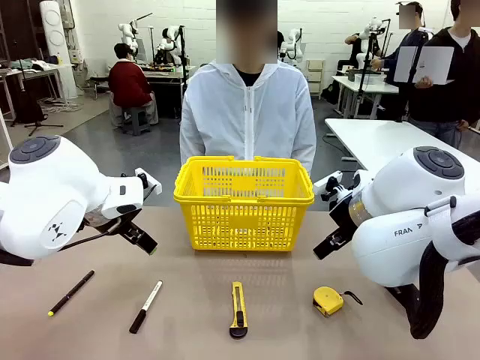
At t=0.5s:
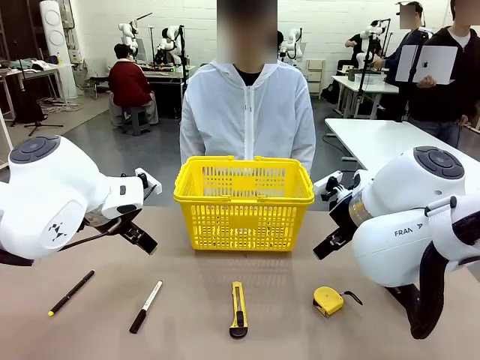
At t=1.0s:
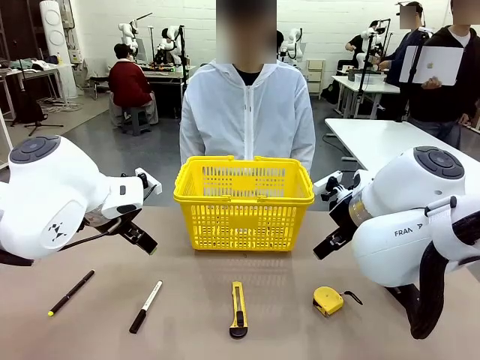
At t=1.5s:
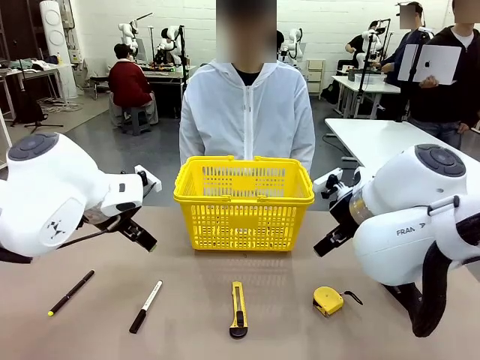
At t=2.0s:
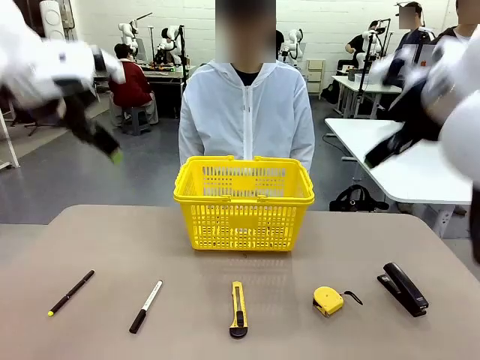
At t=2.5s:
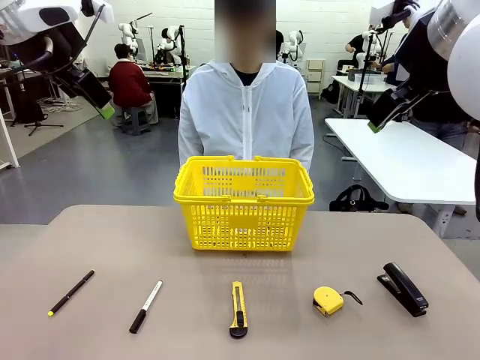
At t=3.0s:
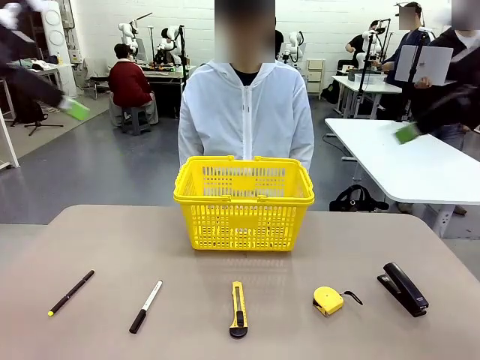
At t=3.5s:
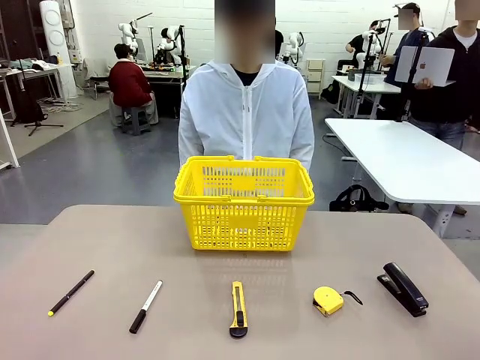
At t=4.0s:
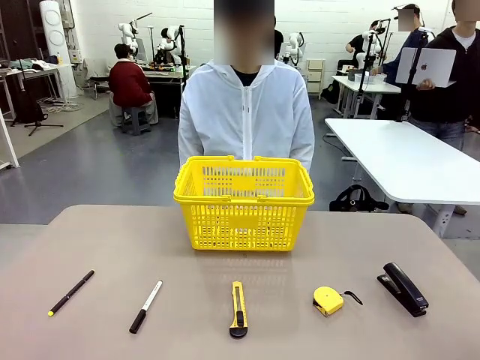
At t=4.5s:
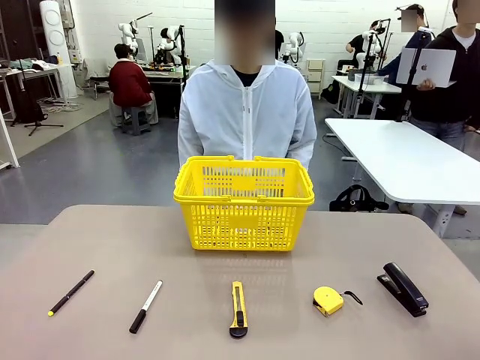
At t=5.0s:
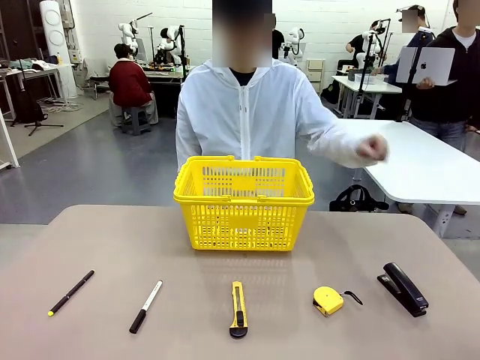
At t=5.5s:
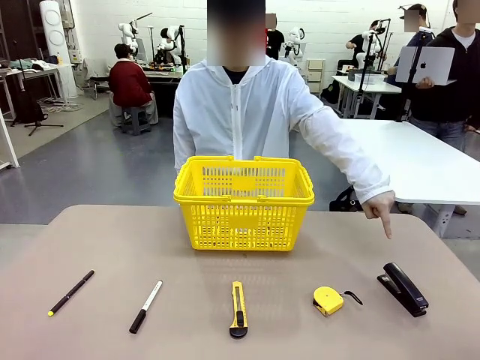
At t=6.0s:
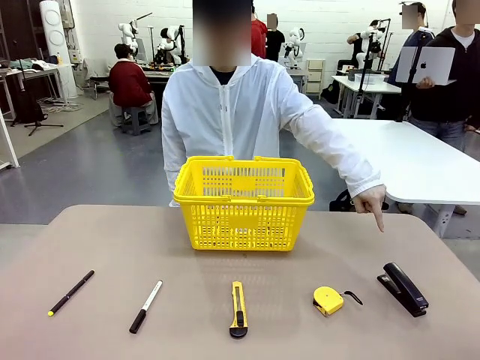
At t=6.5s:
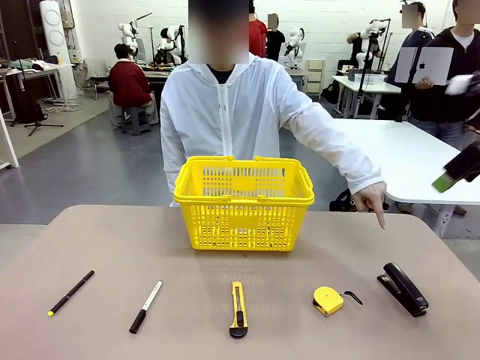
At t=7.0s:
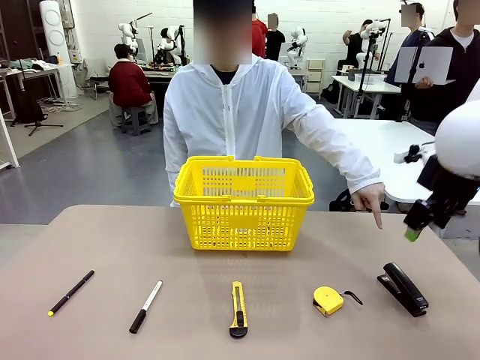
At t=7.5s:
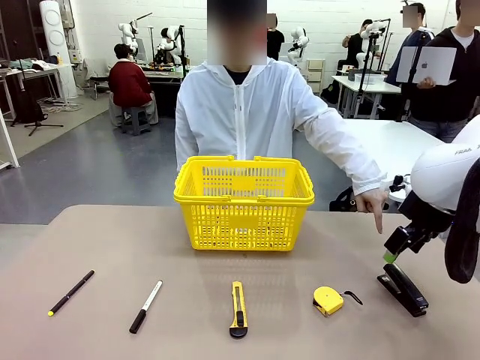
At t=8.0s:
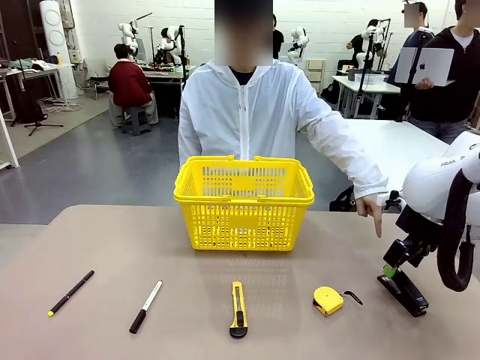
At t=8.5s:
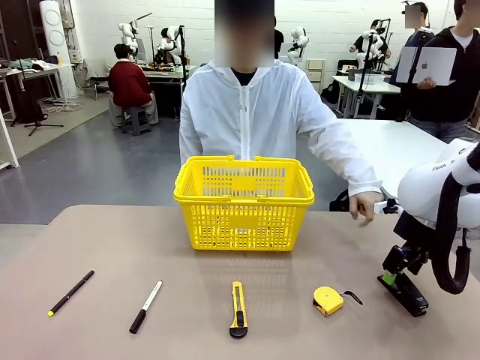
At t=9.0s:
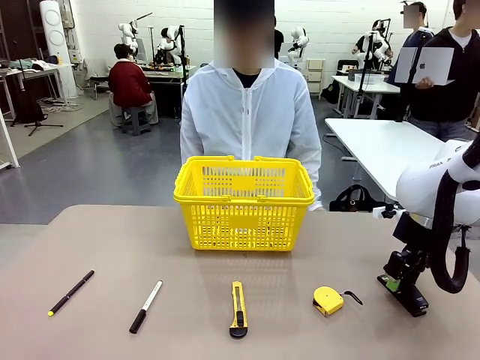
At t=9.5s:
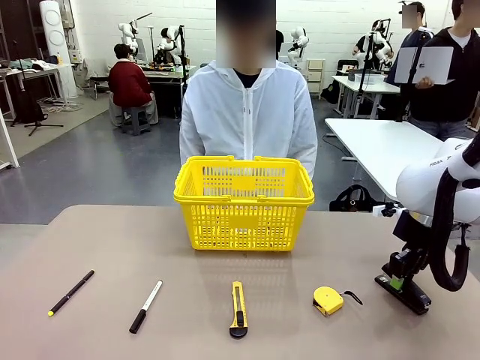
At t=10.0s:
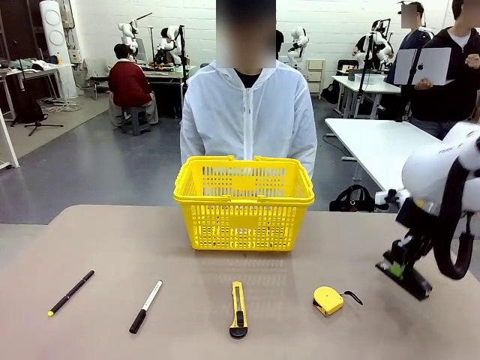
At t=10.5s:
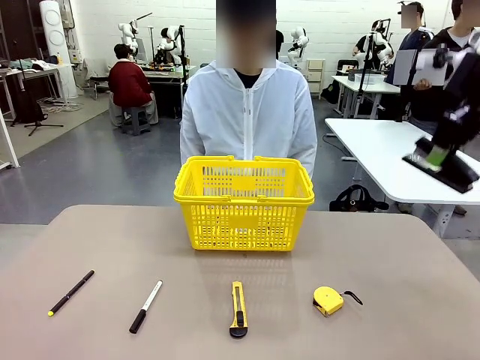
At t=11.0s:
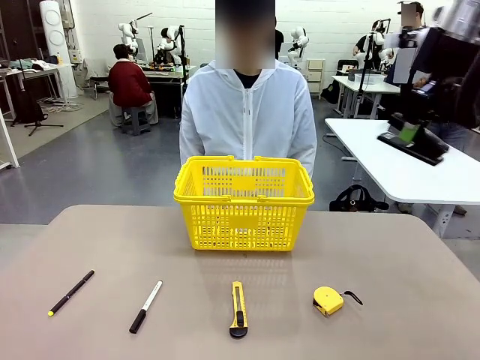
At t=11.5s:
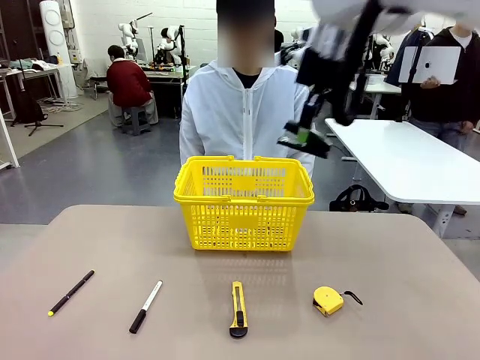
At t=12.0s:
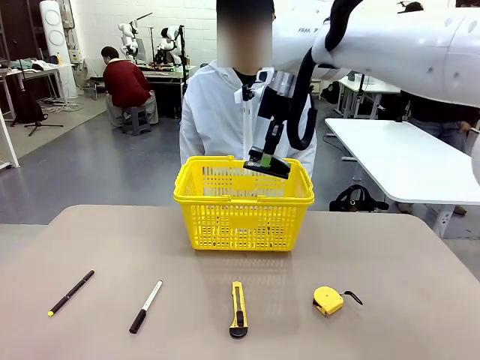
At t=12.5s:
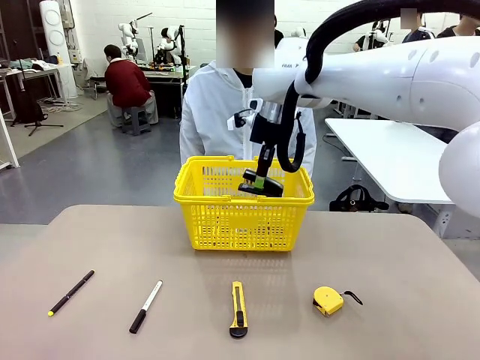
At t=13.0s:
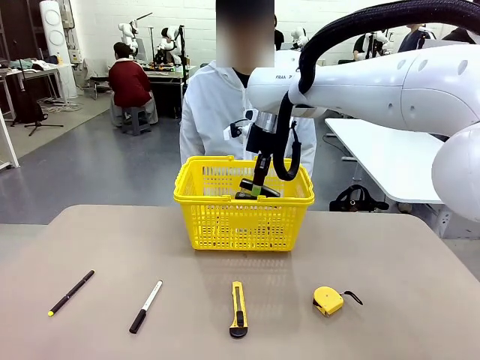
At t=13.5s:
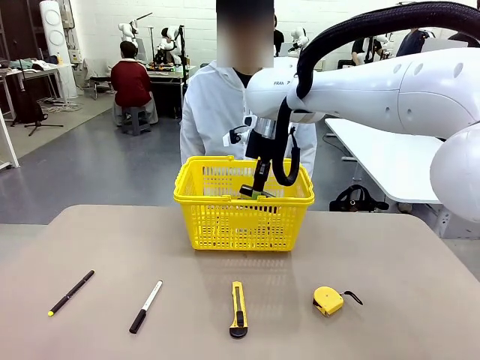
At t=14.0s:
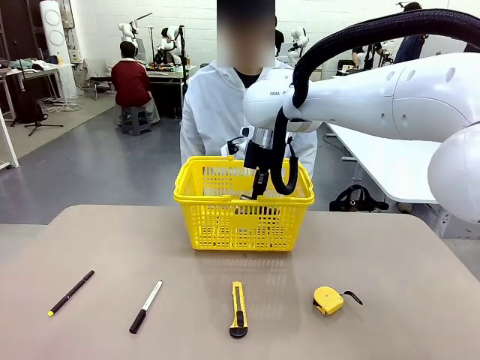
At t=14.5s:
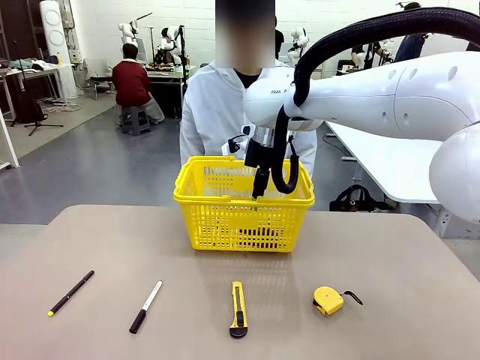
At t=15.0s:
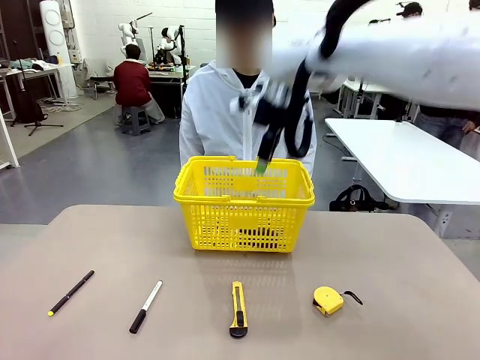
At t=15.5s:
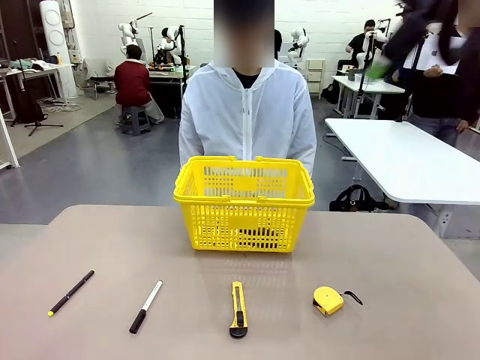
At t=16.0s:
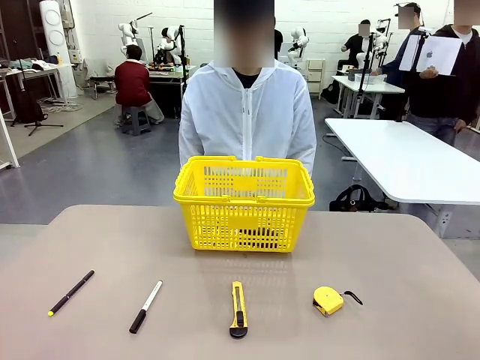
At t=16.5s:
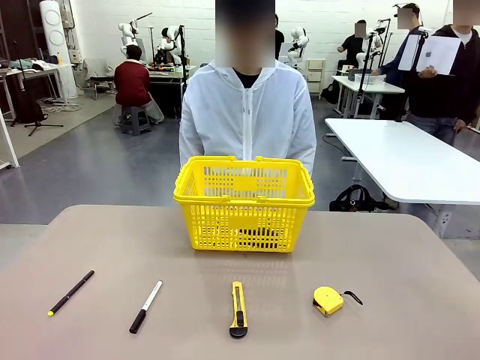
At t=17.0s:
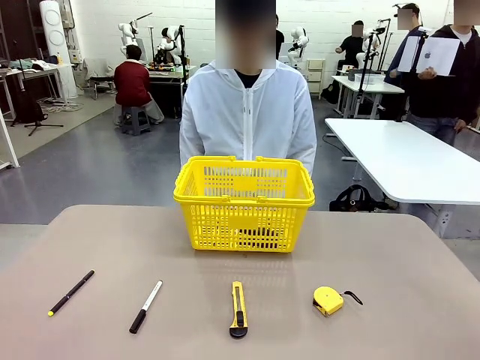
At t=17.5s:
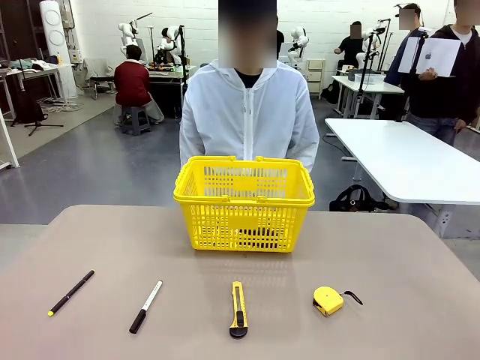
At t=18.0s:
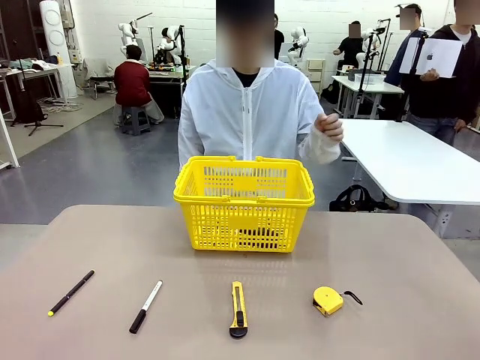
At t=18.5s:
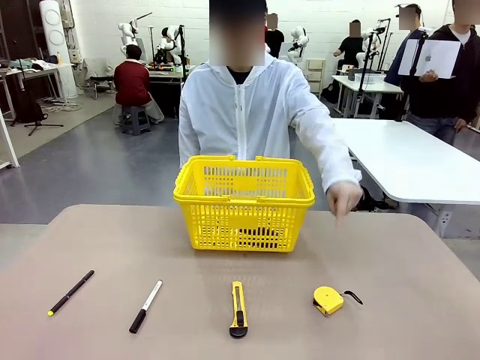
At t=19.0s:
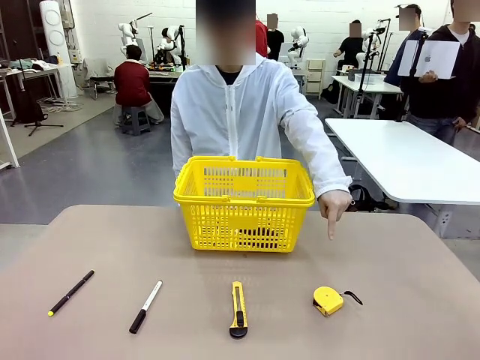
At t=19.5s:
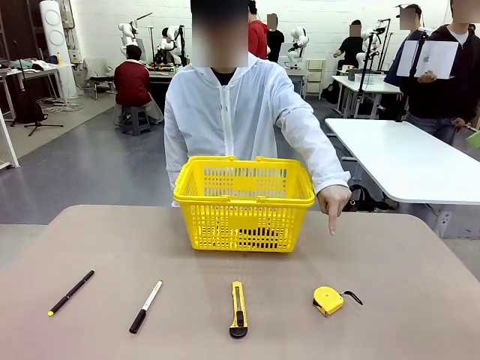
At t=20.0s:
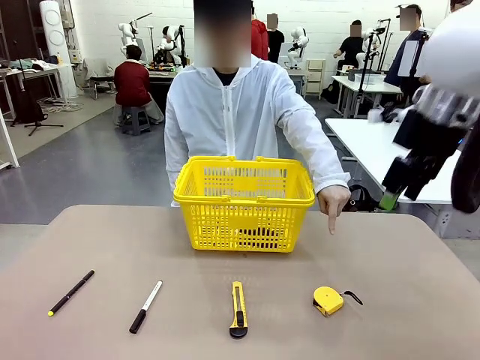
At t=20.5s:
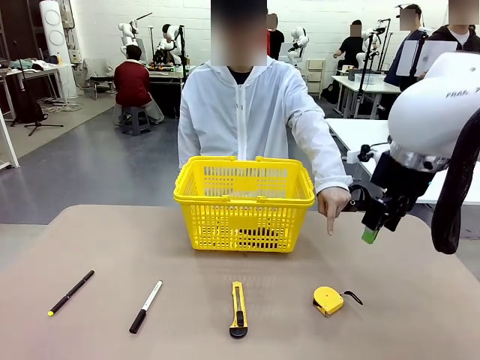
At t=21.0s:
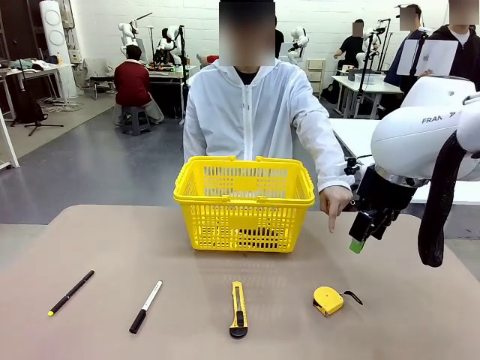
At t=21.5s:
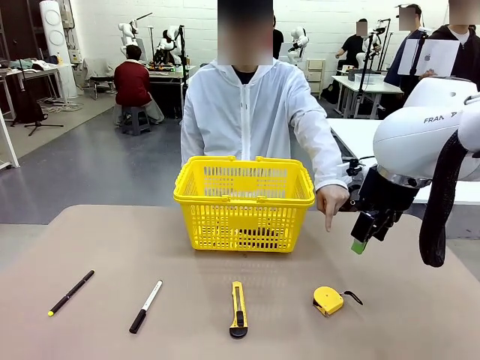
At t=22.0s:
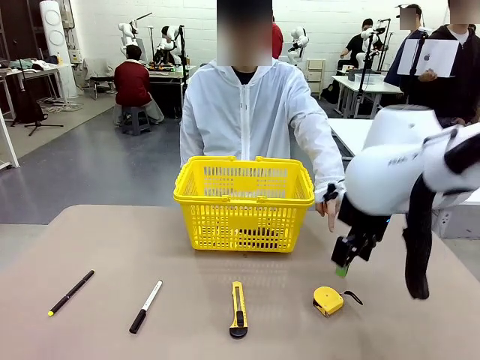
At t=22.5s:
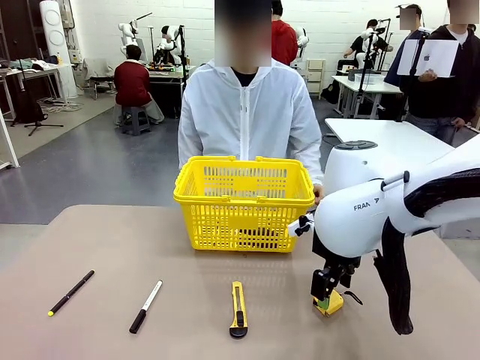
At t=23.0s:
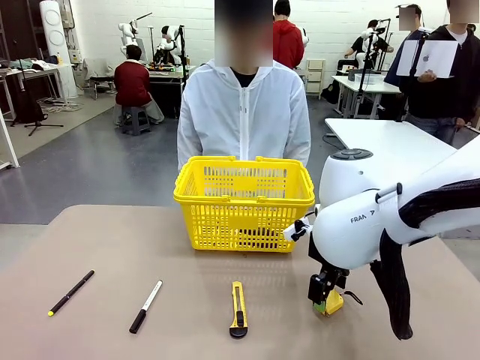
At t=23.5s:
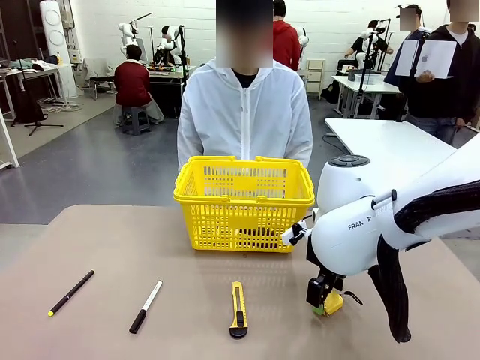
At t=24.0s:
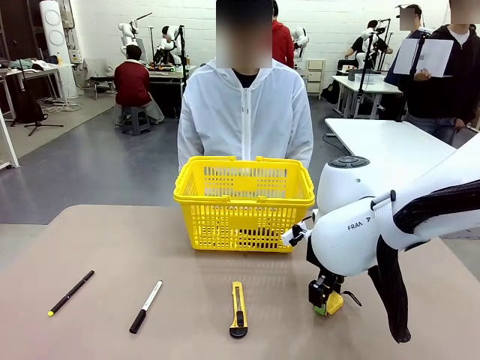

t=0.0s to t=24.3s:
Task: Place the items the person wants into the basket.
Robot: Pick up the item the person points to and place it in the Market Basket.
